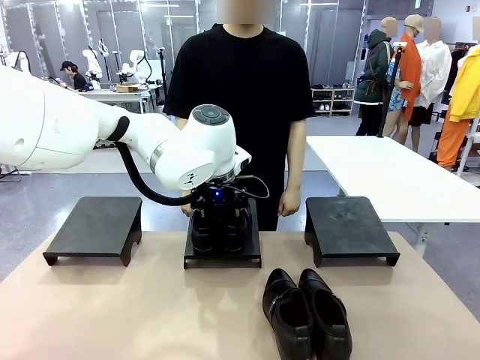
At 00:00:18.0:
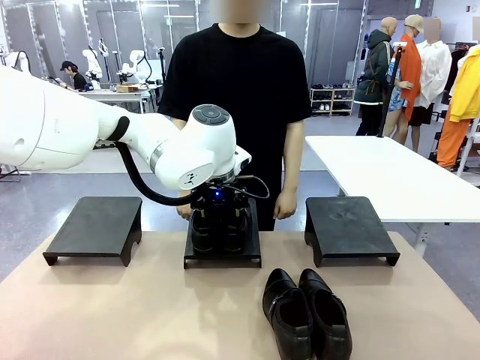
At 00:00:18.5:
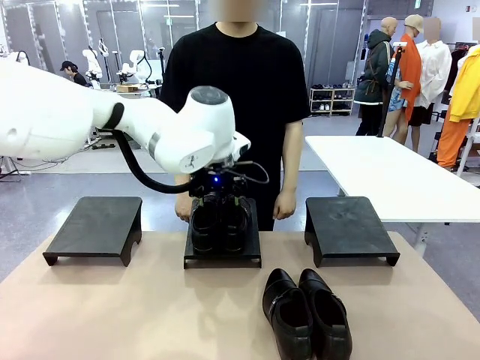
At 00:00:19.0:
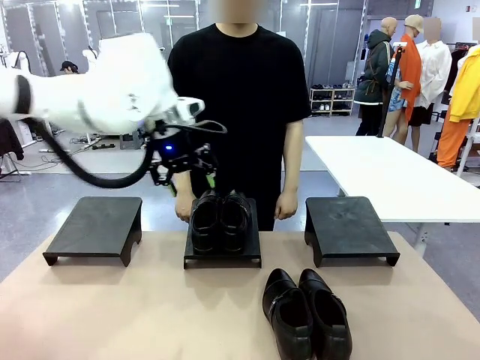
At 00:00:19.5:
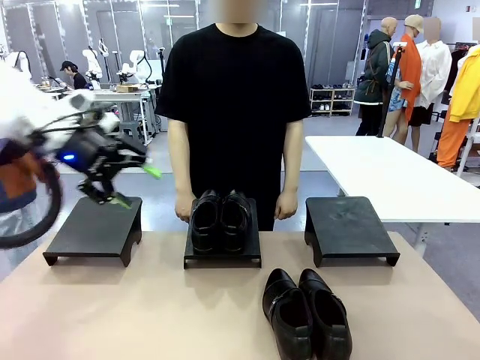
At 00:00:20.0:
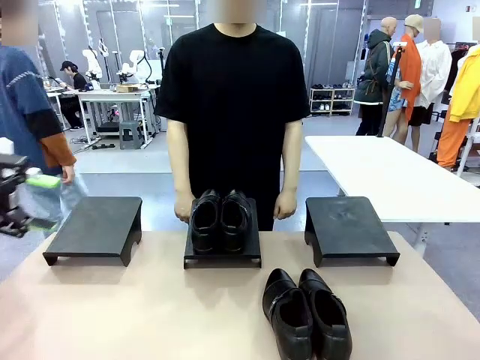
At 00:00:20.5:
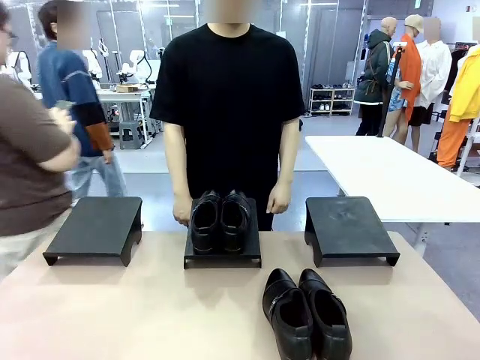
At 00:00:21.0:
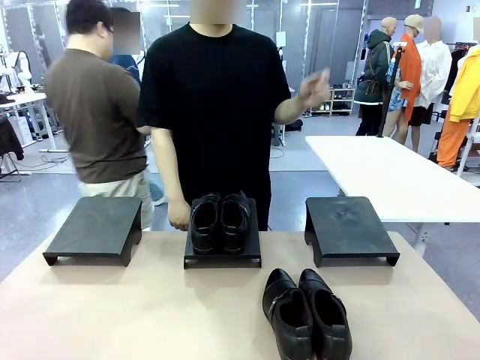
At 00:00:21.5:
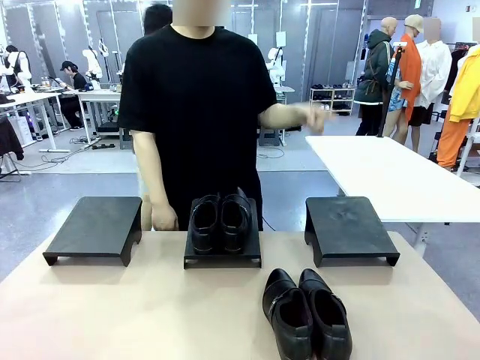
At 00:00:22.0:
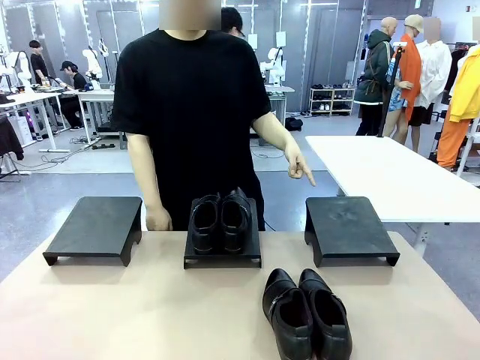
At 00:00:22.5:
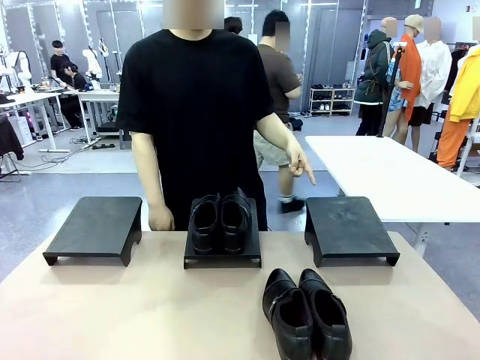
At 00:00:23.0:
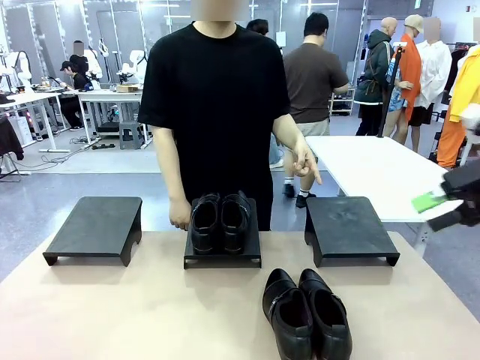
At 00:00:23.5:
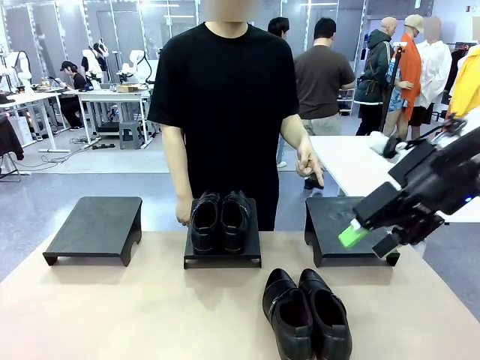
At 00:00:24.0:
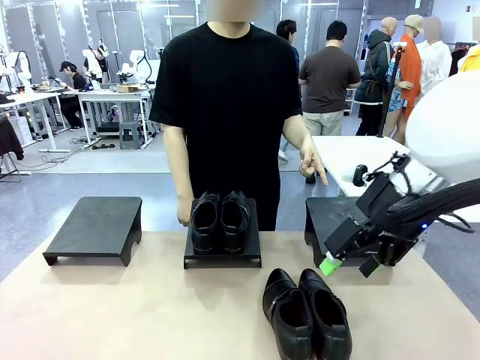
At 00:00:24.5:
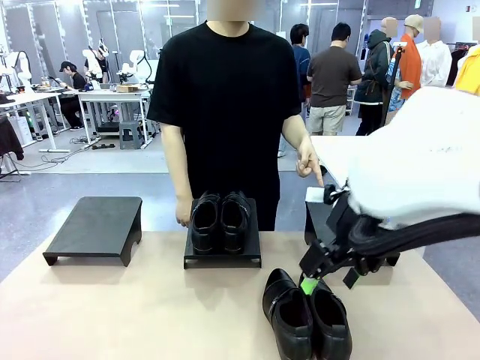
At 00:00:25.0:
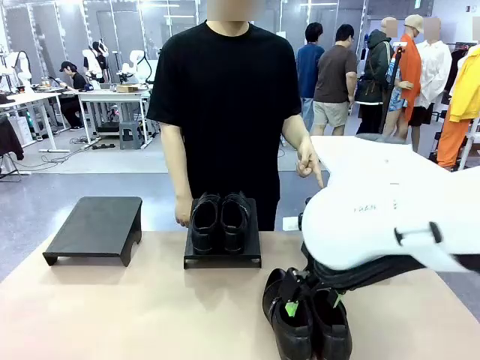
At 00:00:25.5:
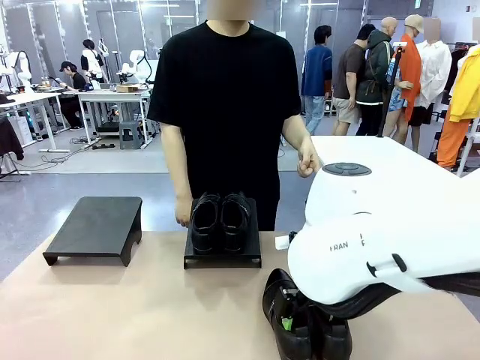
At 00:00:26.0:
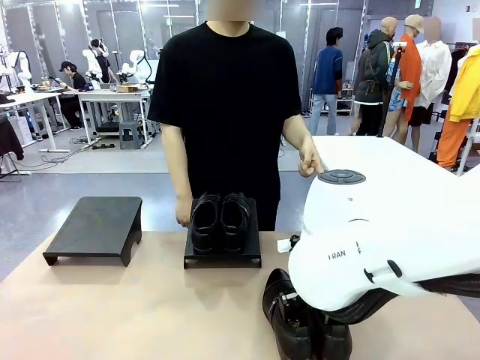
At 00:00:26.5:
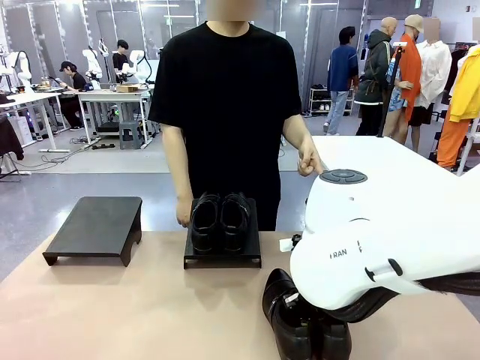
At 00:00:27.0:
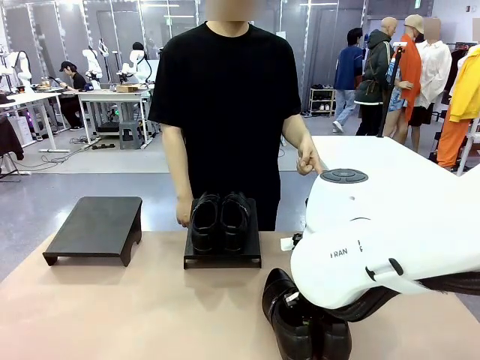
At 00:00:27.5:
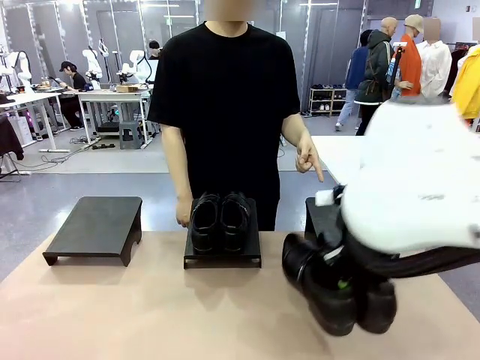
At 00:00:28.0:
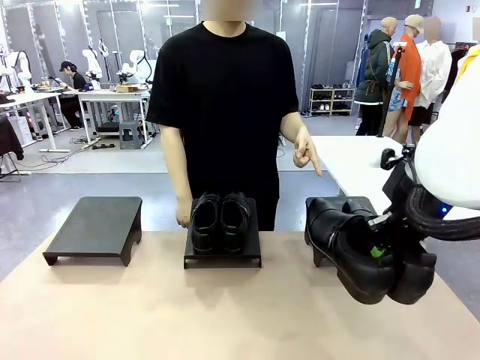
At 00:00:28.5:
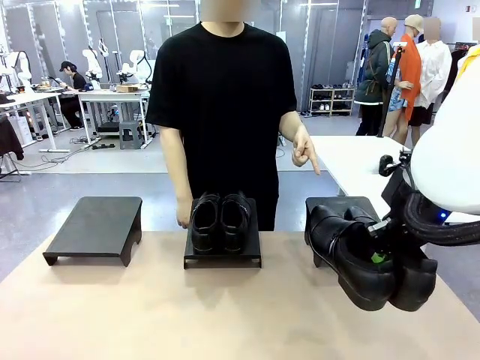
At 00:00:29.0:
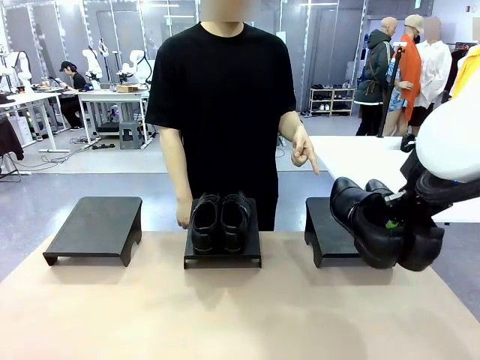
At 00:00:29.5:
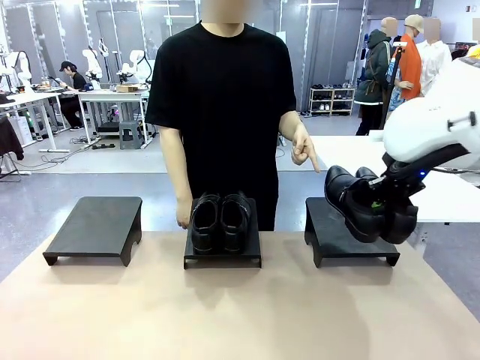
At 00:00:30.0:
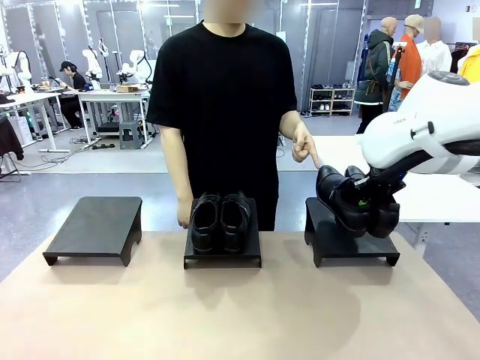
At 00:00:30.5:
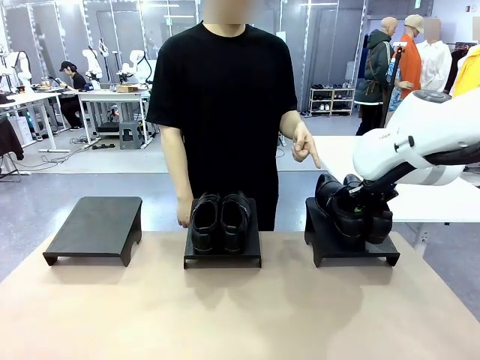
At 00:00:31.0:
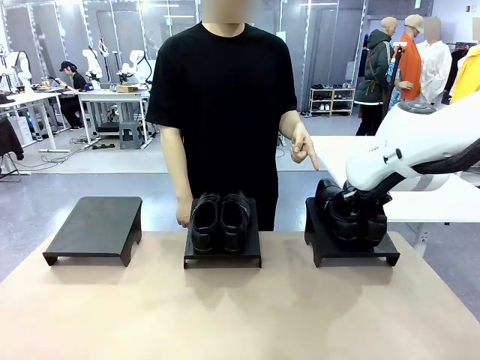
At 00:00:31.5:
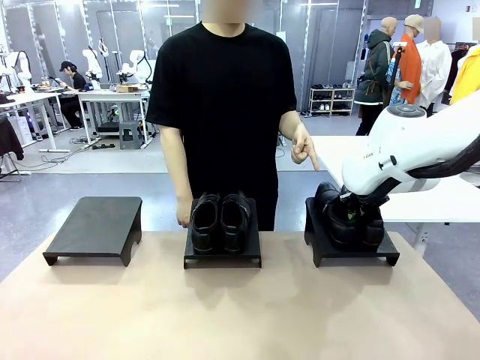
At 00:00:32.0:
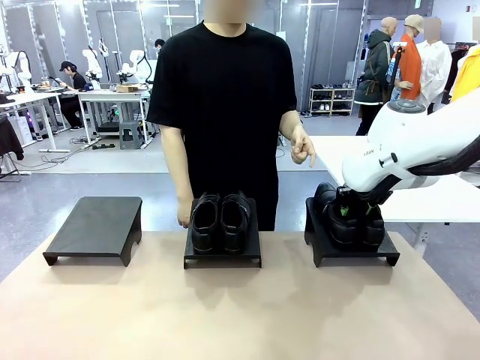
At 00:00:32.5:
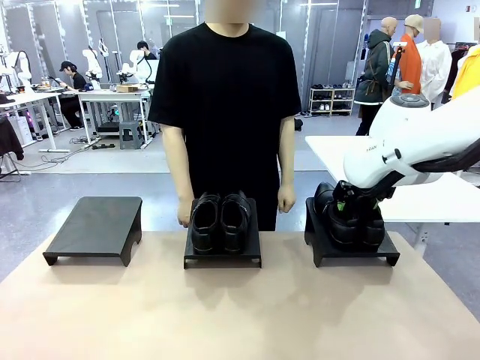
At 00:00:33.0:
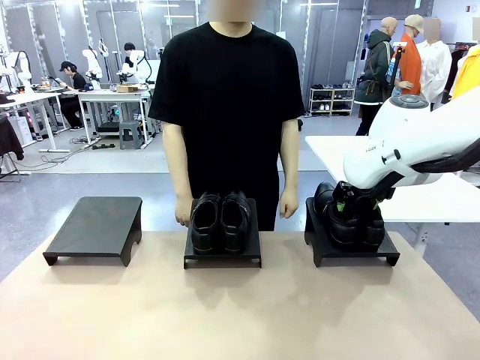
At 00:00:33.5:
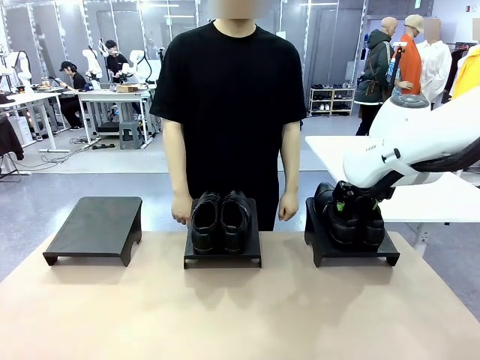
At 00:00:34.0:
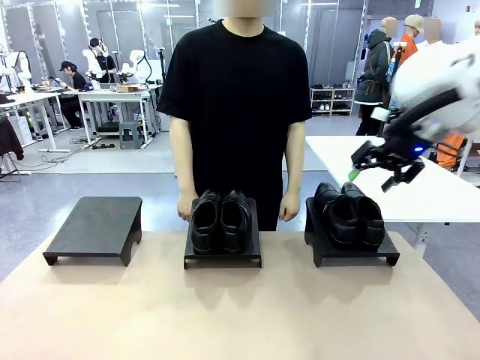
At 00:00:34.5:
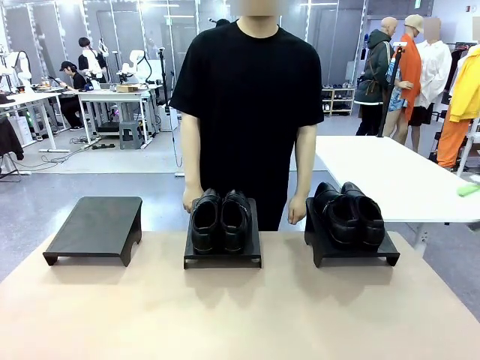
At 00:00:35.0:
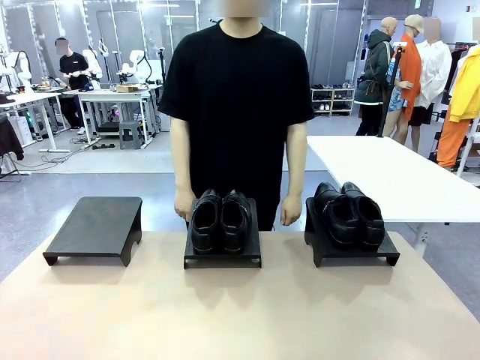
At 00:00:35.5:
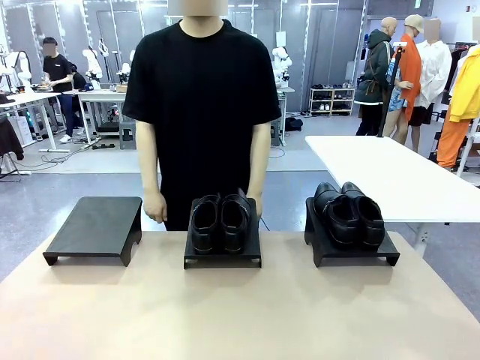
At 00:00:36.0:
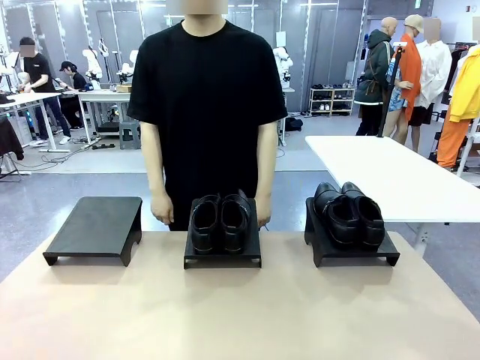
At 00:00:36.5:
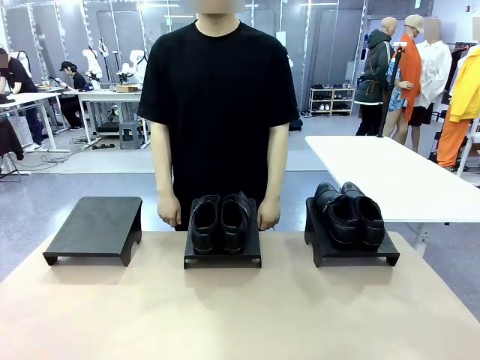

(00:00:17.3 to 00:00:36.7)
Task: Place the shoes on the stand as instructed by the person.
Robot: Pick up another pair of Shoes and place it on the Shoes Stand indicated by the person.
Person: Point to one Shoes Stand.

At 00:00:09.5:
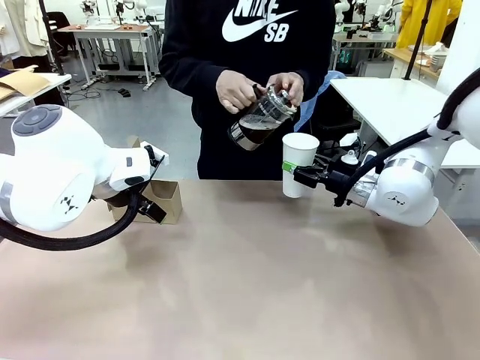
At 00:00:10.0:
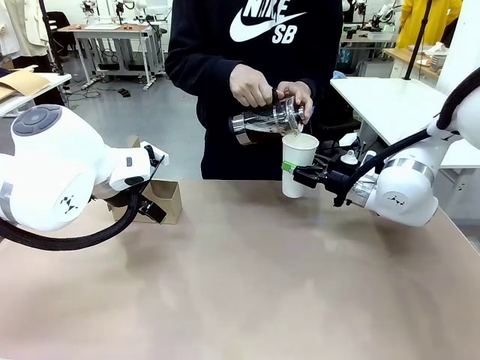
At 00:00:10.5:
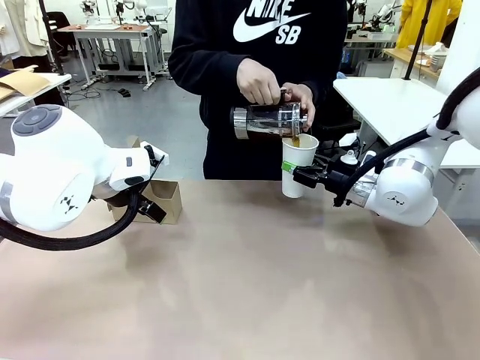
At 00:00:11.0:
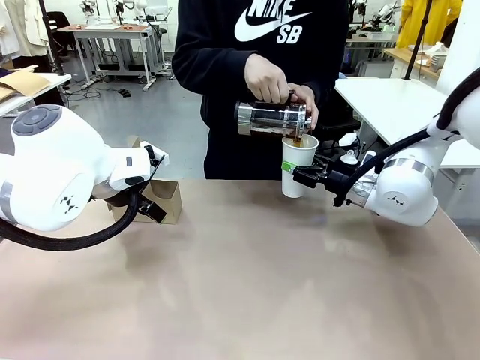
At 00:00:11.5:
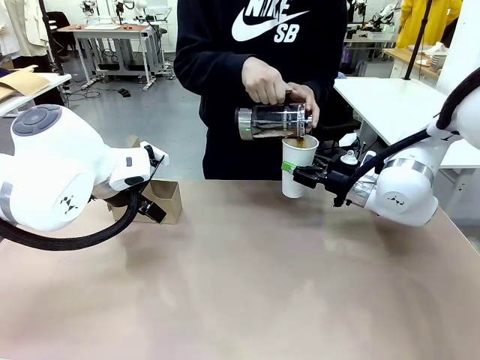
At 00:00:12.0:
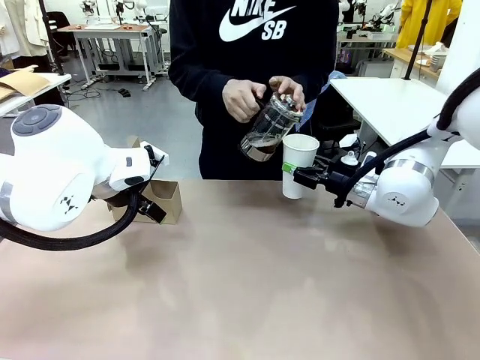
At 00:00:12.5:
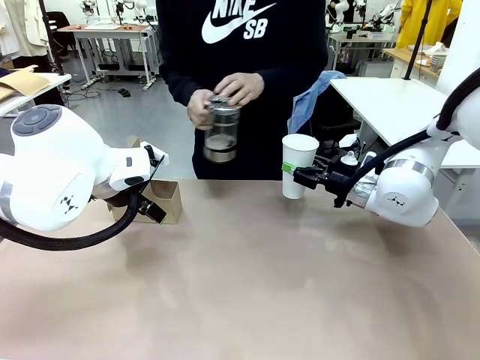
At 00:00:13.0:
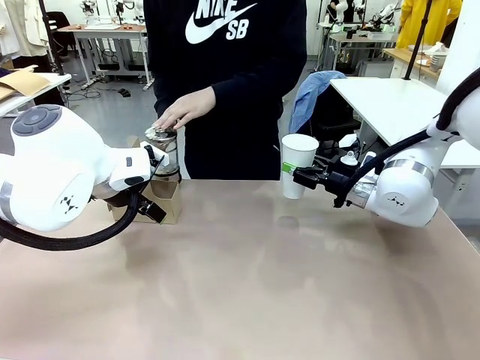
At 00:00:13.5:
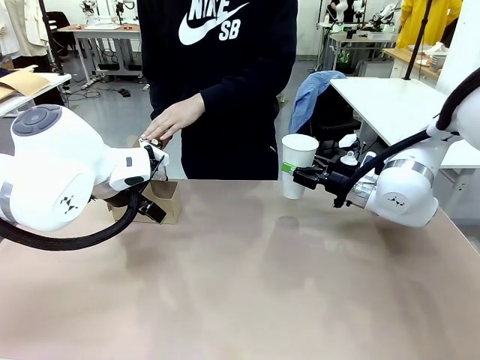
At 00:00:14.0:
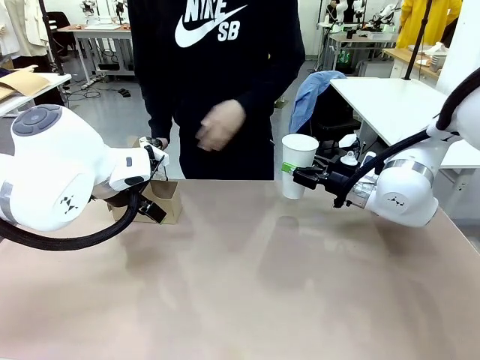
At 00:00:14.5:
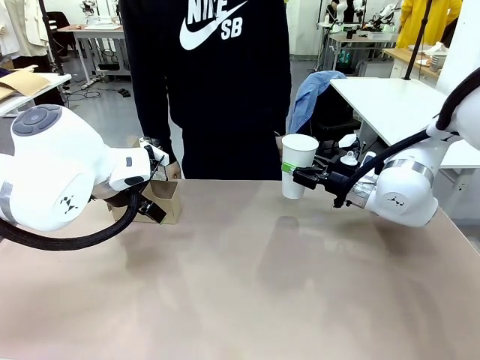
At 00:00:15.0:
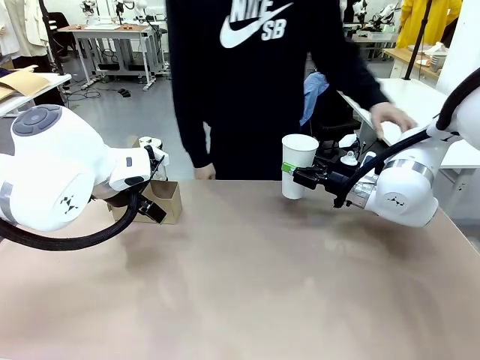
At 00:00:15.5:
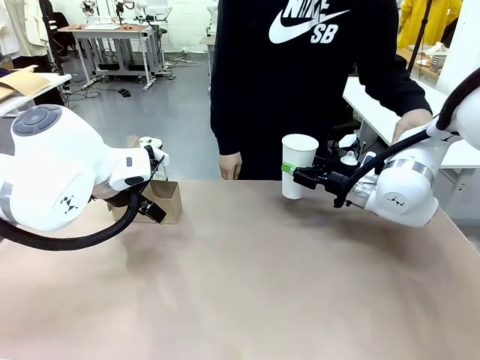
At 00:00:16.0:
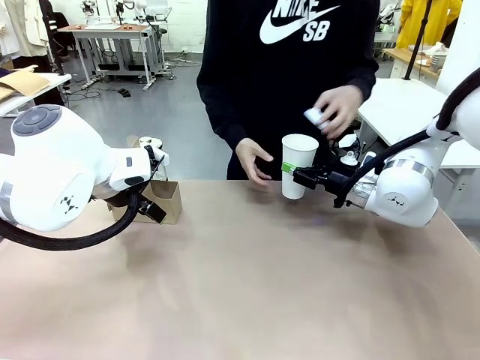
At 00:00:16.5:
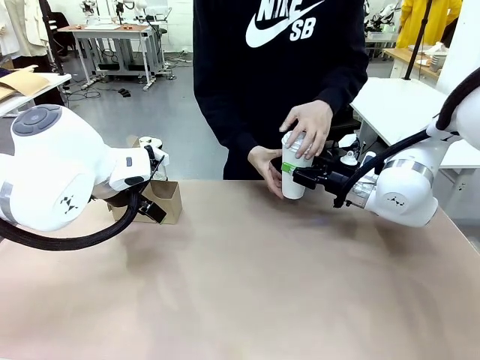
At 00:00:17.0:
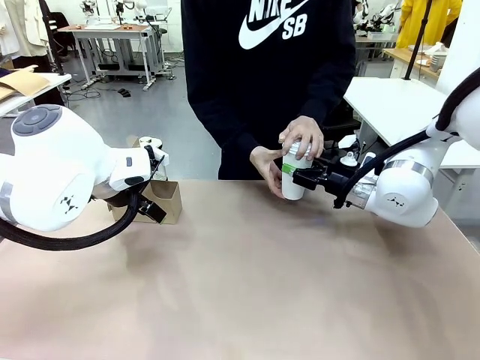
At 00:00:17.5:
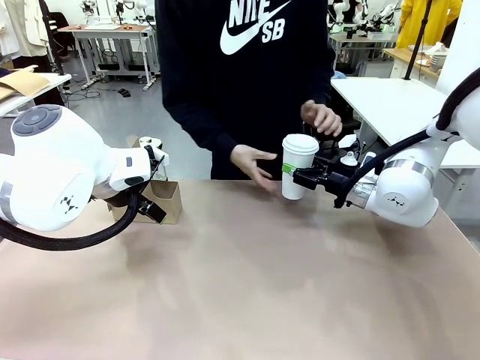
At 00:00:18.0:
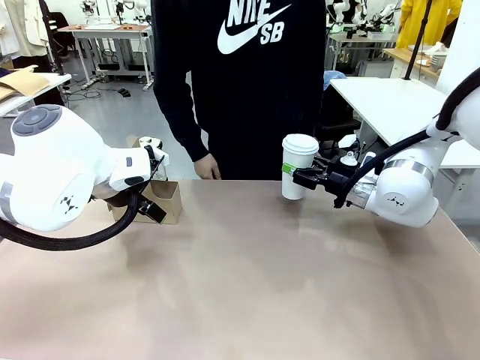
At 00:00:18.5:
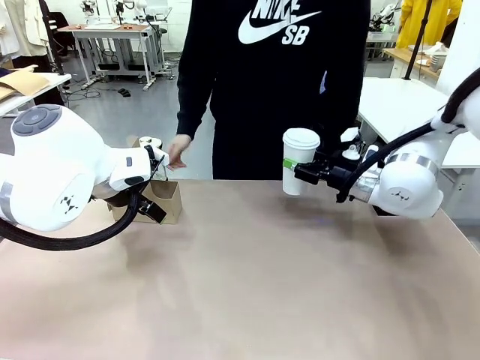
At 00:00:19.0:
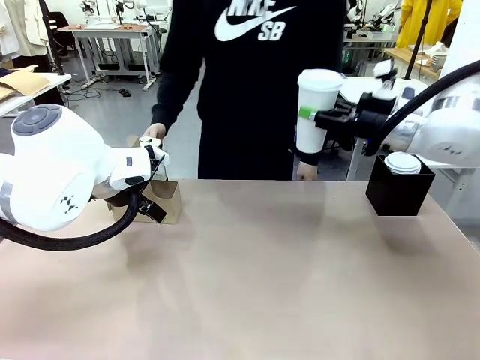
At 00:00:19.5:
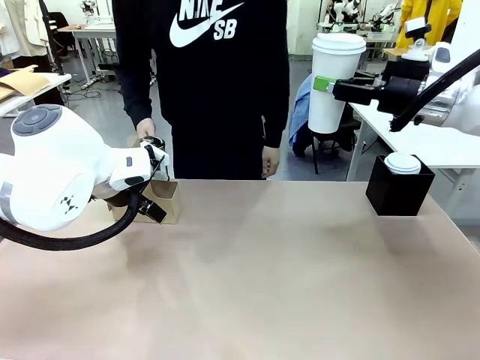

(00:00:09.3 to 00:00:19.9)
Task: Pour a drink into a cup and package it in a carrier.
Robot: When a person places the Paper Cup Lid on the 600 ml Paper Cup , lift the 600 ml Paper Cup.
Person: Pour the drink from the Filter Brewing into the 600 ml Paper Cup. Place a Paper Cup Lid on the 600 ml Paper Cup.
